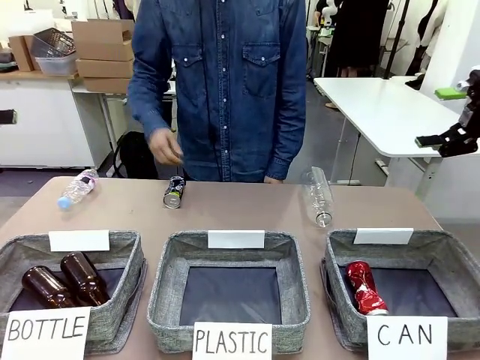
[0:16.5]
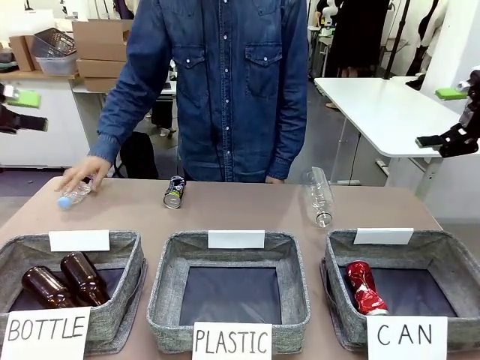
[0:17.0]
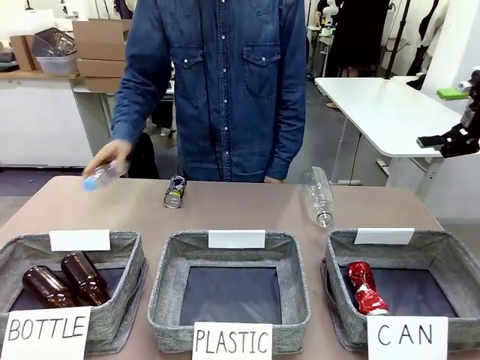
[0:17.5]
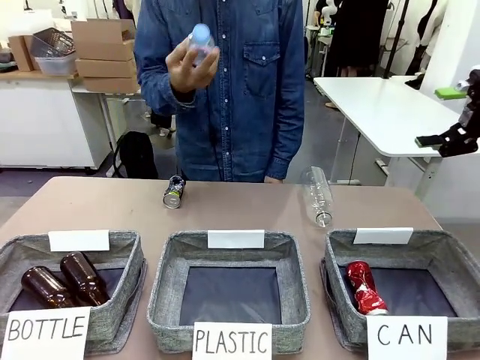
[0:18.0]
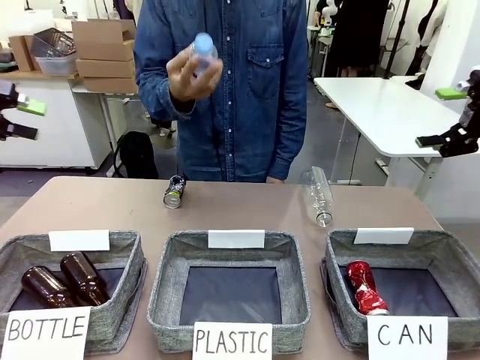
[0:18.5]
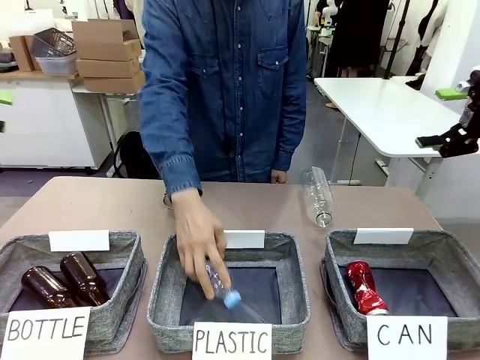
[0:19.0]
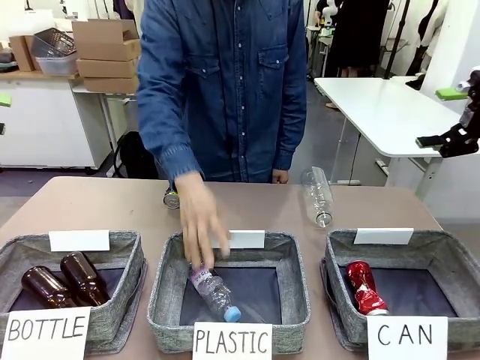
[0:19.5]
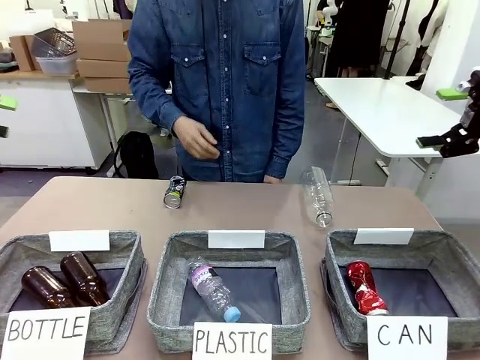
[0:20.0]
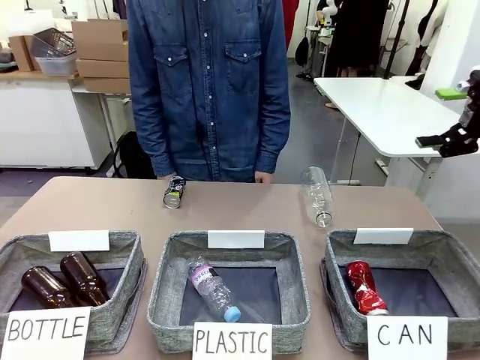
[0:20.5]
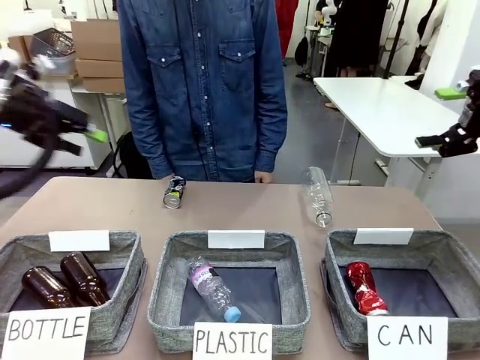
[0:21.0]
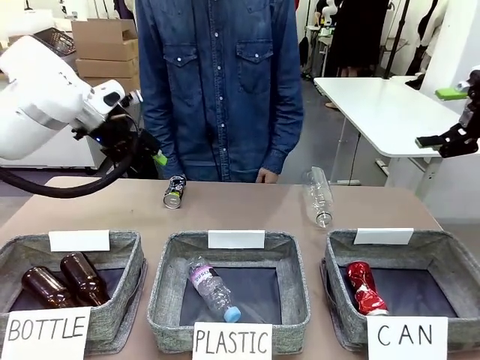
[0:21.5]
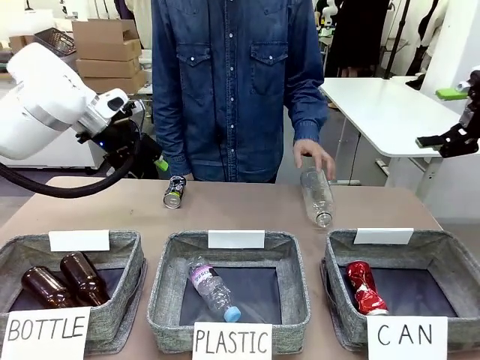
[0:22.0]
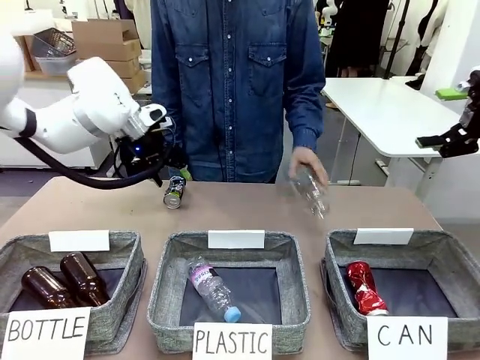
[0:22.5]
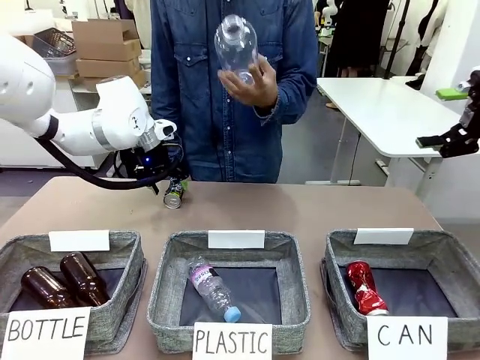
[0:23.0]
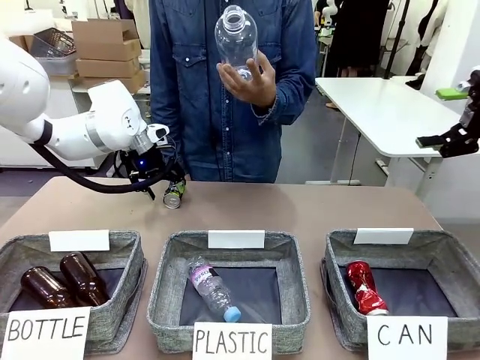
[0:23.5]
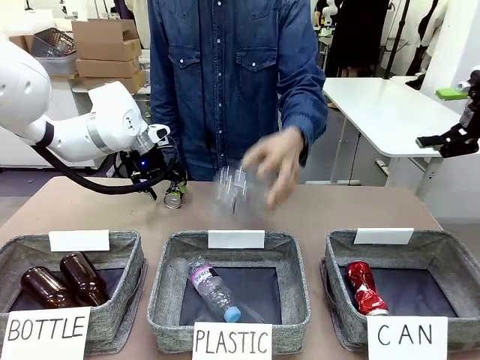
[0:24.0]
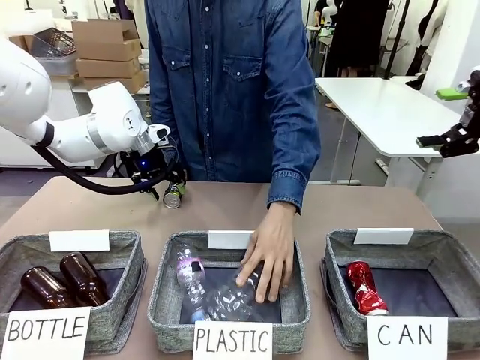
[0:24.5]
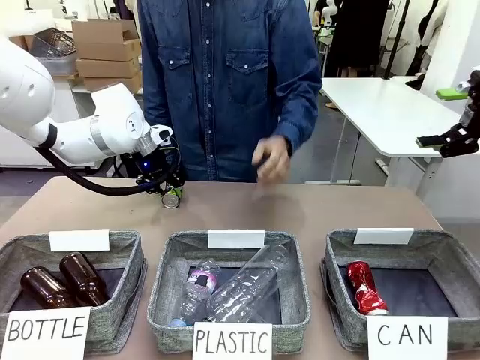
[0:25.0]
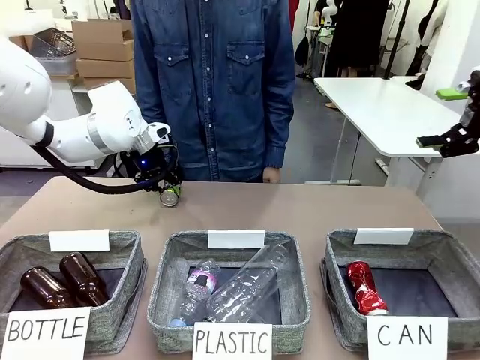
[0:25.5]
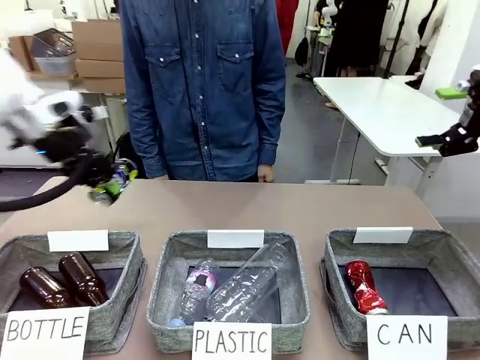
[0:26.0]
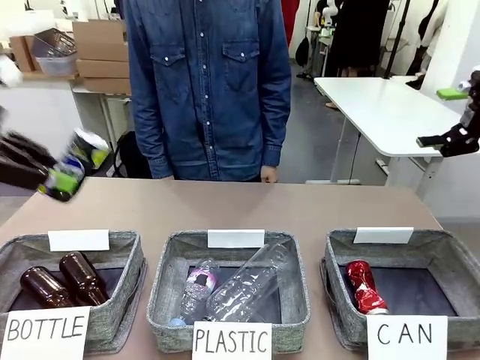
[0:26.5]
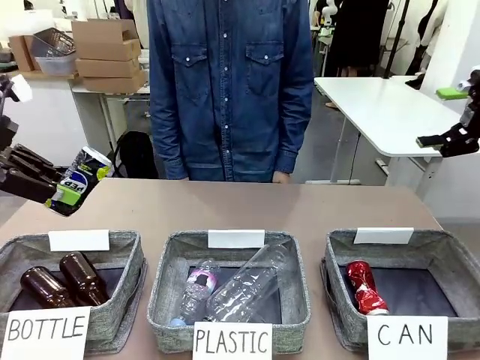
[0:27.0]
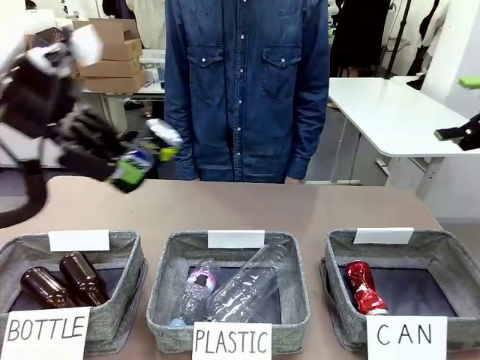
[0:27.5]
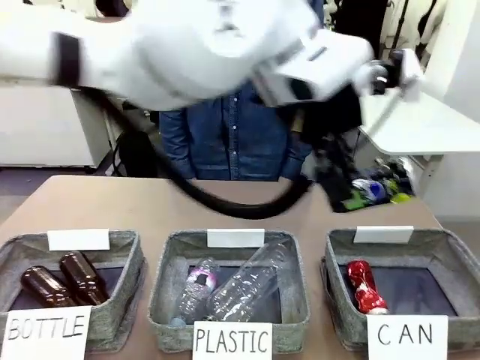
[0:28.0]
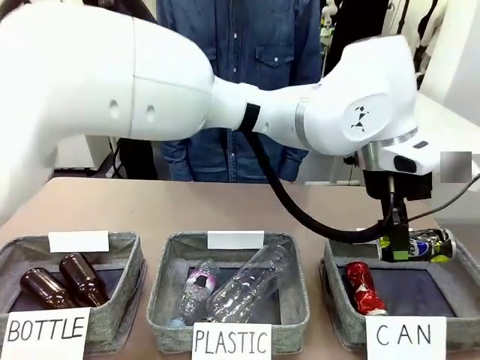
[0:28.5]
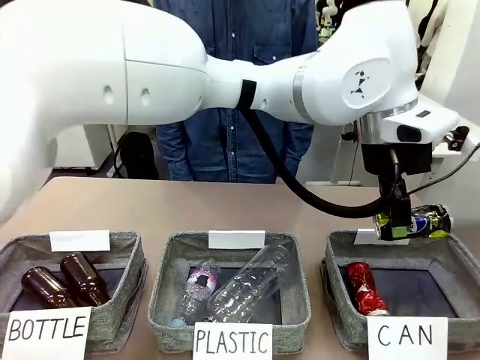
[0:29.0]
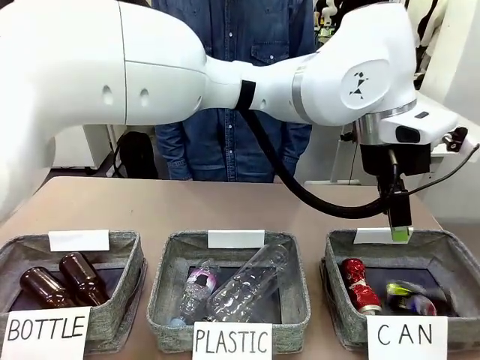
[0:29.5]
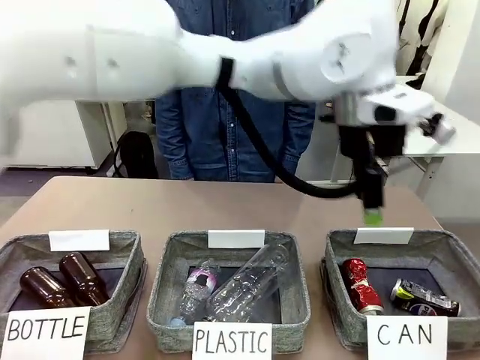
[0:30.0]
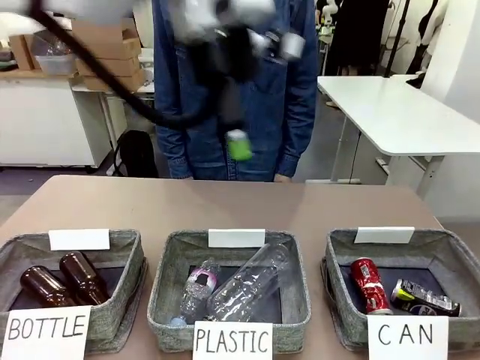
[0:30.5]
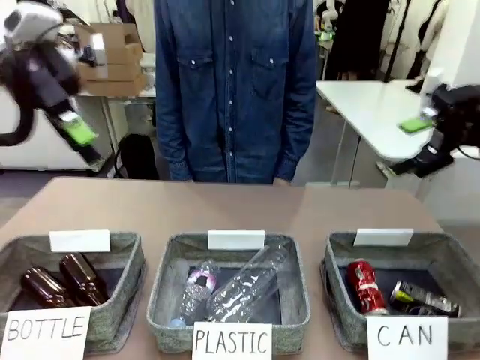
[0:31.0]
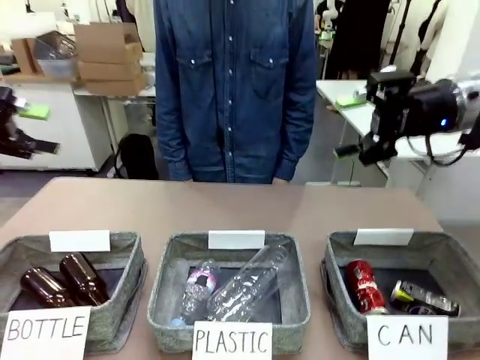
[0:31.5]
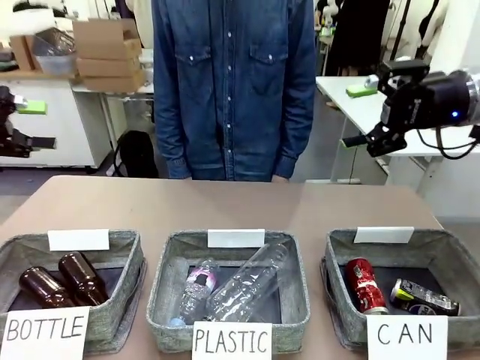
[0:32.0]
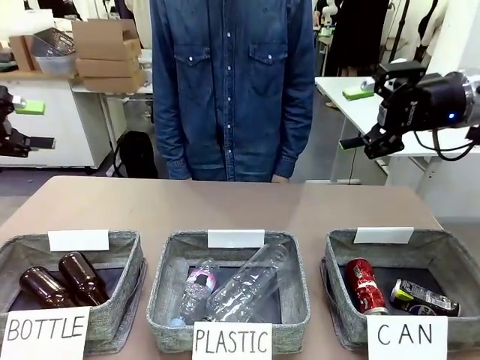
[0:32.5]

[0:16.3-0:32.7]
Task: Sort the can waste into the basket.
Robot: Pick up the can waste from the table and place it in the right Fabric basket.
Person: The human picks up one piece of trash that is not a can and places the trash into the appropriate organizing basket.

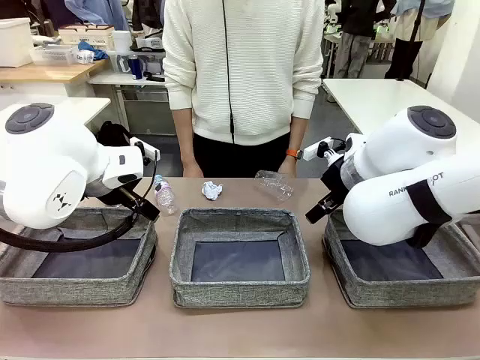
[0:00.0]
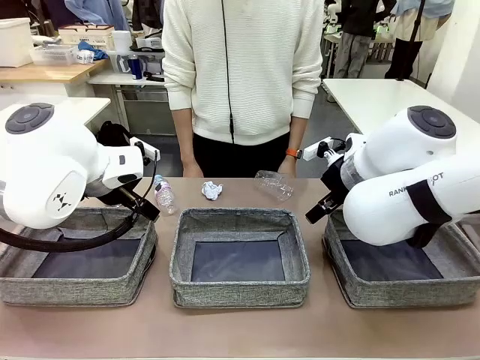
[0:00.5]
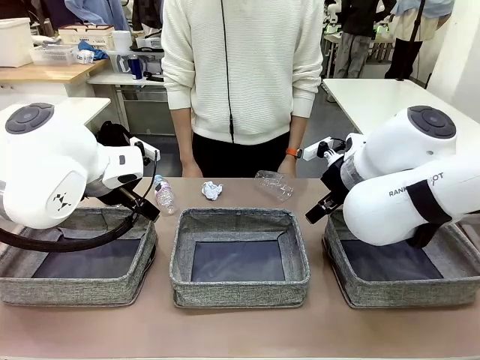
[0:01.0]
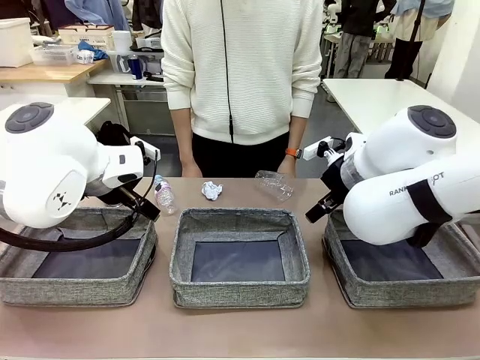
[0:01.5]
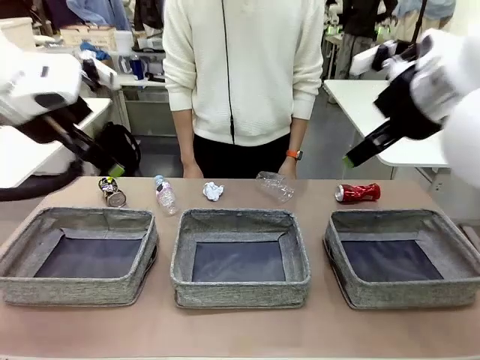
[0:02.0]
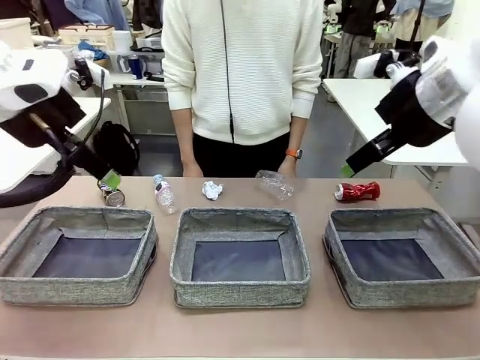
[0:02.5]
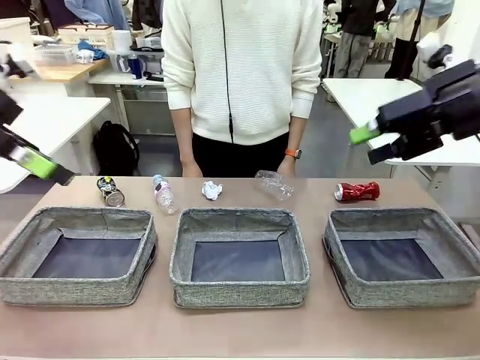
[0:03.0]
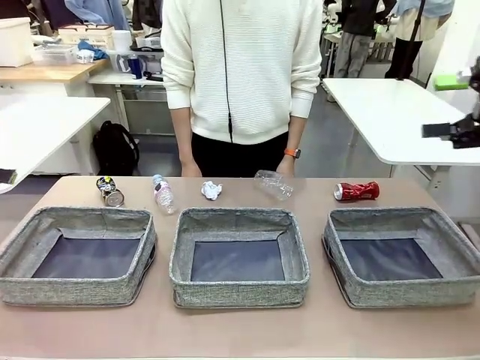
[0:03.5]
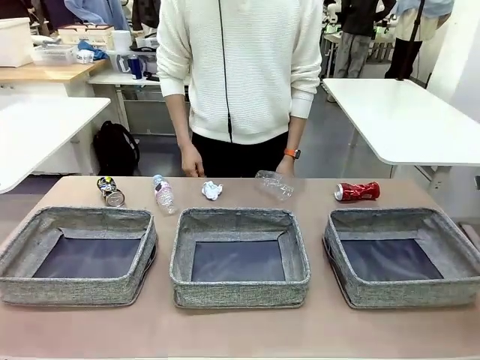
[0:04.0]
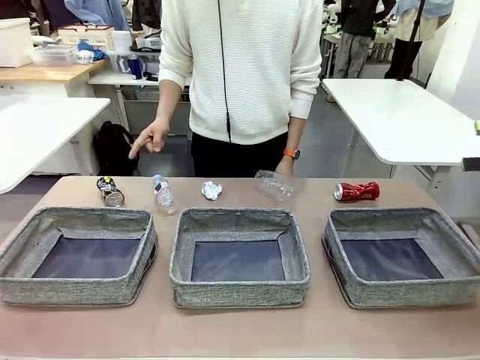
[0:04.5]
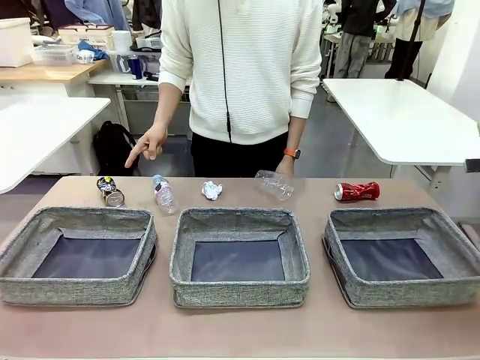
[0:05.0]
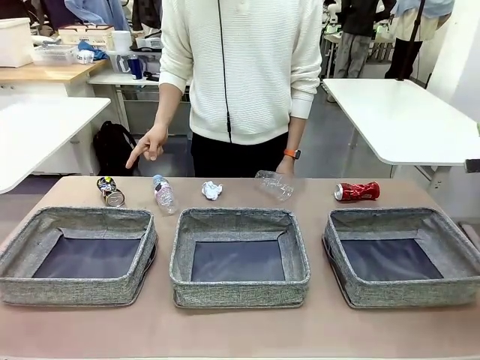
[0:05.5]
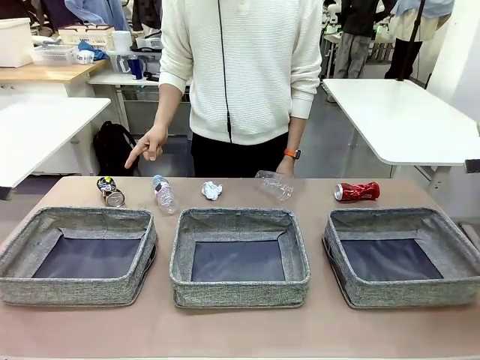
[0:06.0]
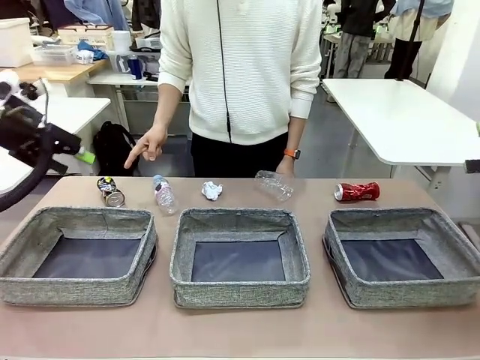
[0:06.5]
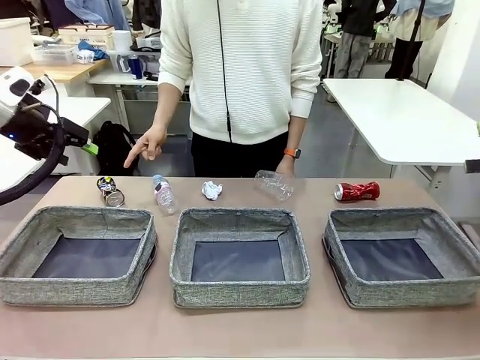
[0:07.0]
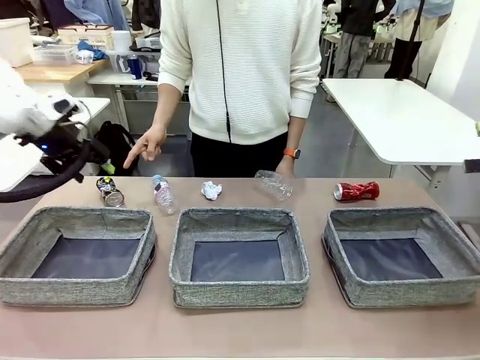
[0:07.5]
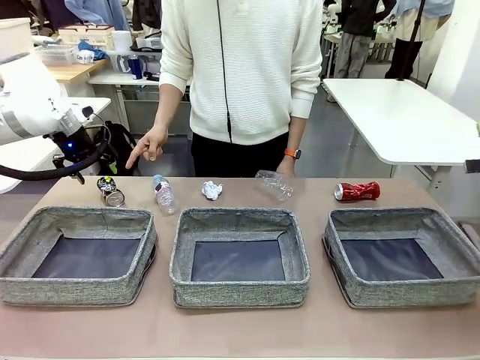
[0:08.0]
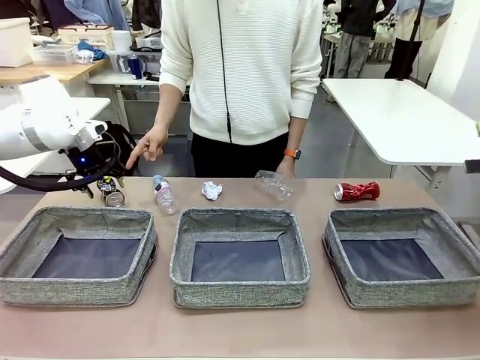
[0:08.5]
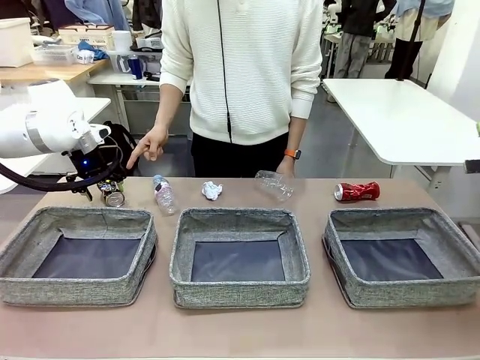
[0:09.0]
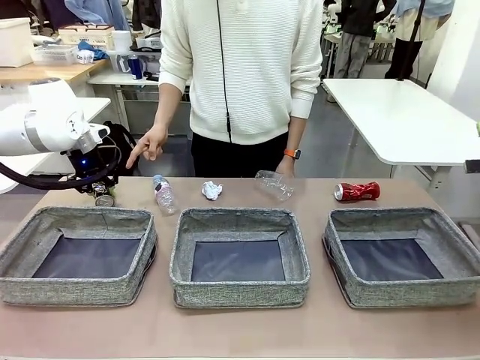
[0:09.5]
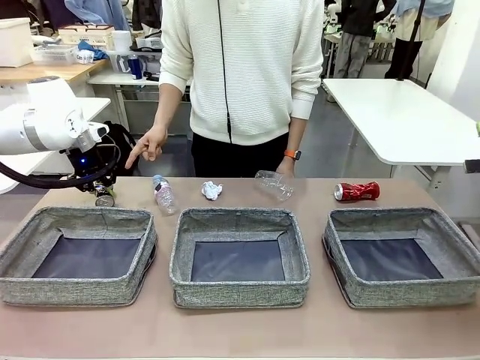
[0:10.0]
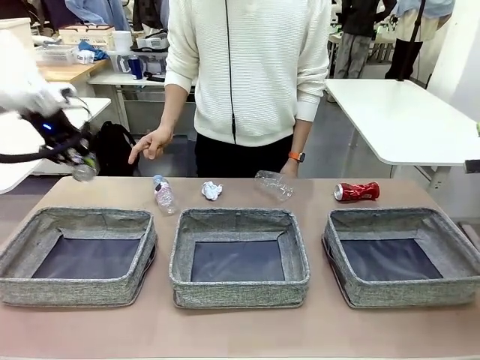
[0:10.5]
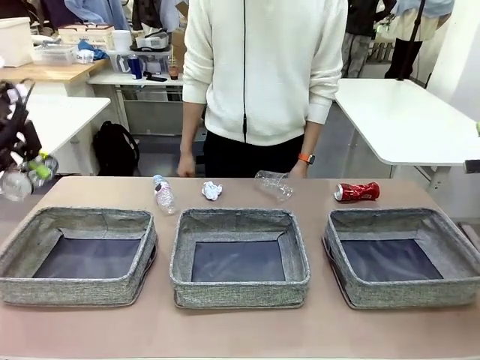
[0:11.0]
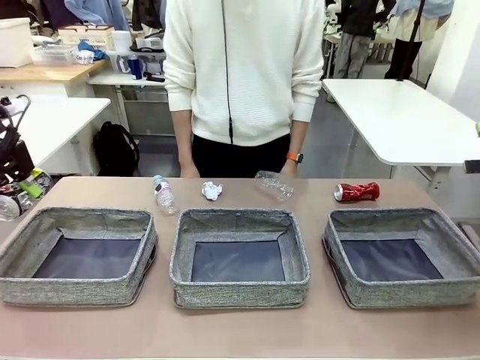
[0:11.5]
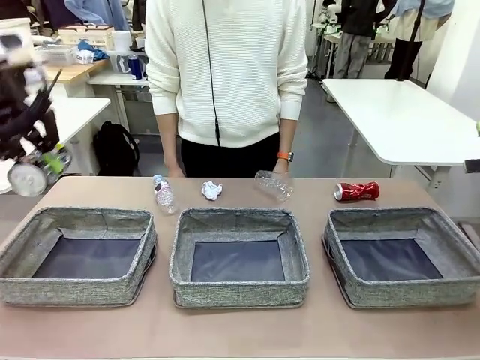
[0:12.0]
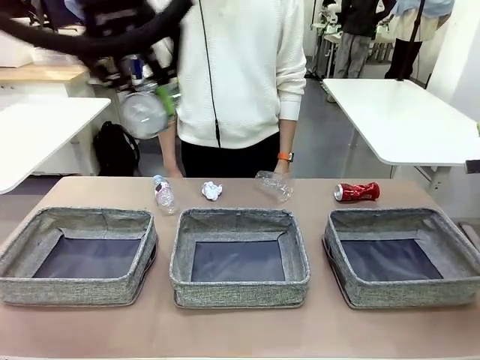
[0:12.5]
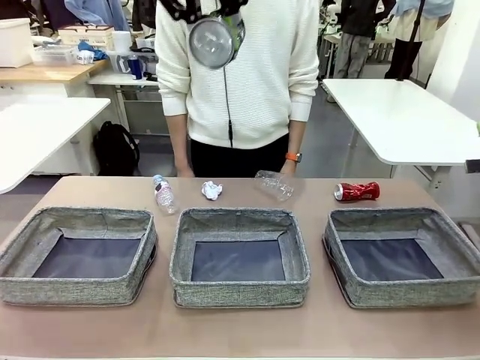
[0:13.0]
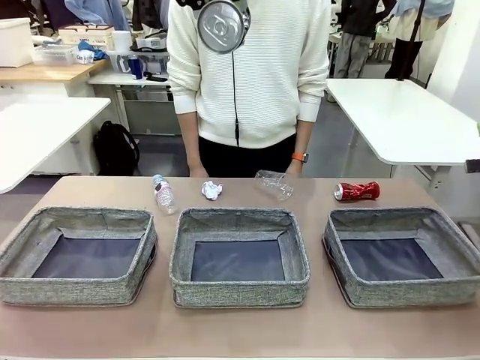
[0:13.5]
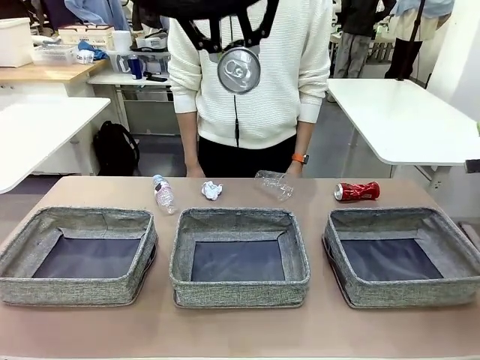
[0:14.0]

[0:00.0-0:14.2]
Task: Sort the waste into the appropriate baskets.
Robot: Pick up the waste item pointed out by the person.
Person: Points to one piece of trash on the table.
